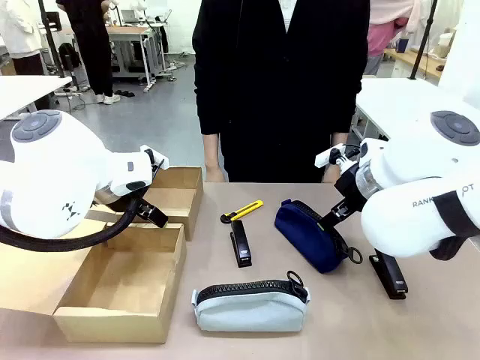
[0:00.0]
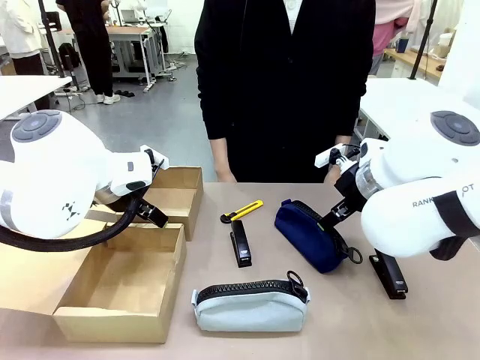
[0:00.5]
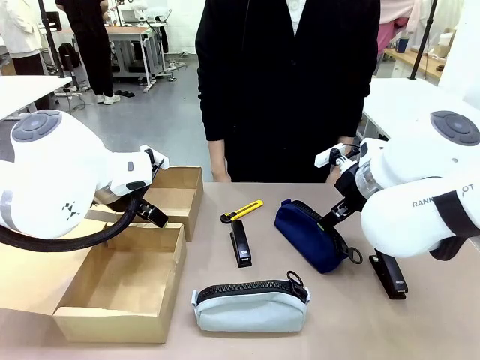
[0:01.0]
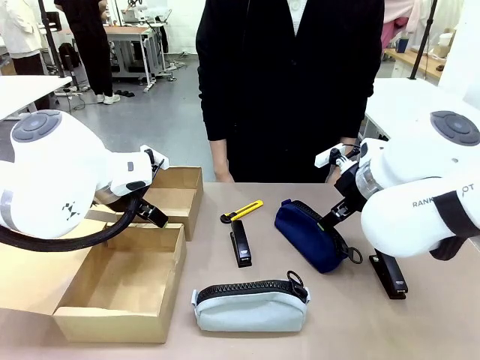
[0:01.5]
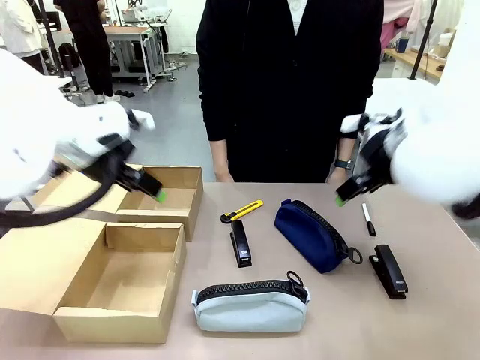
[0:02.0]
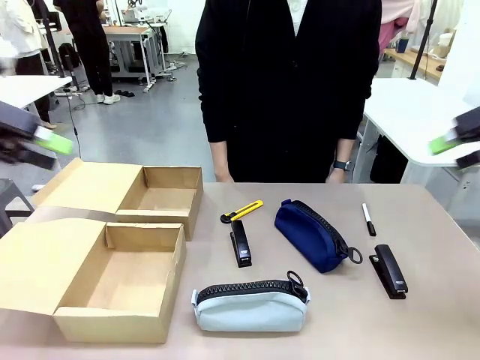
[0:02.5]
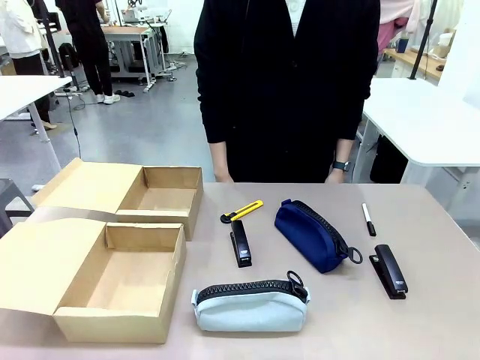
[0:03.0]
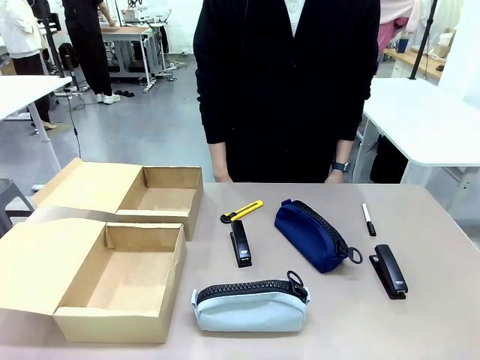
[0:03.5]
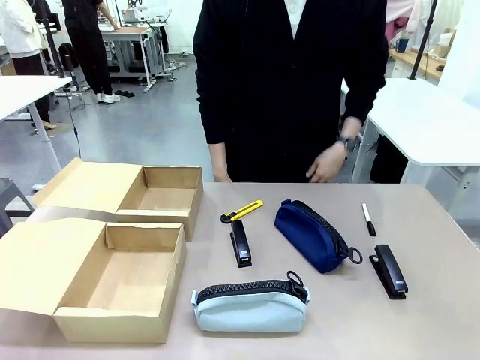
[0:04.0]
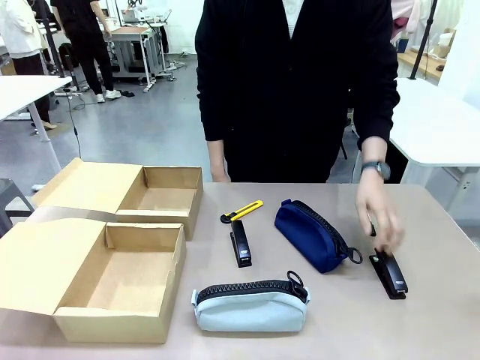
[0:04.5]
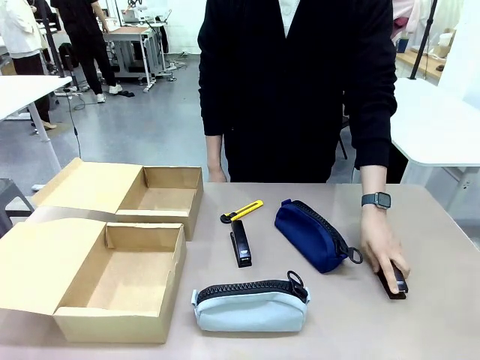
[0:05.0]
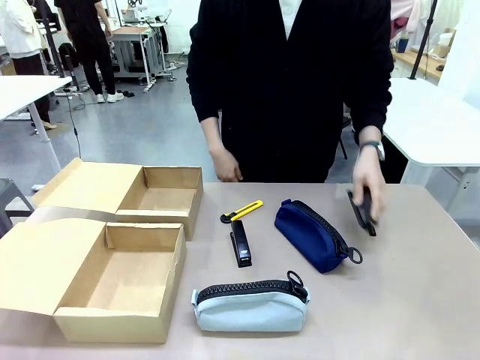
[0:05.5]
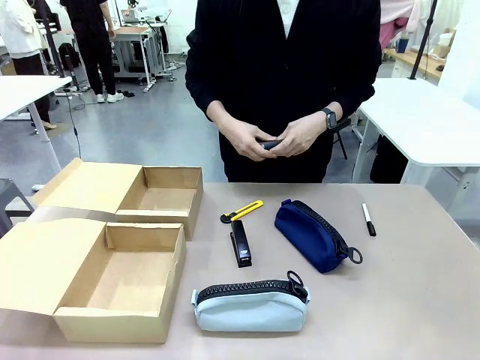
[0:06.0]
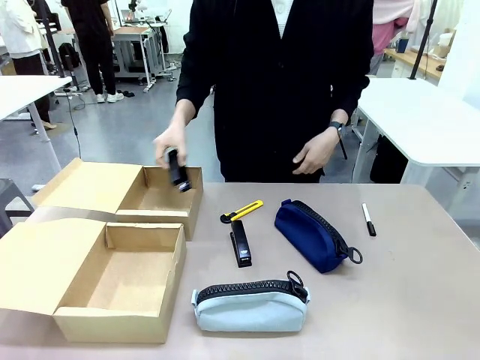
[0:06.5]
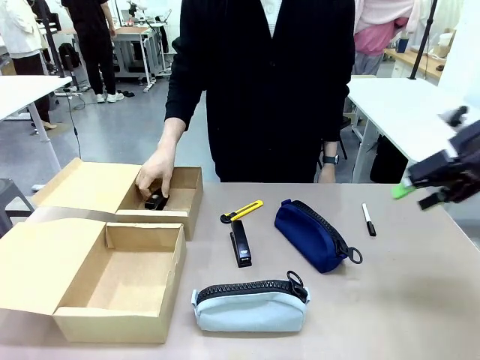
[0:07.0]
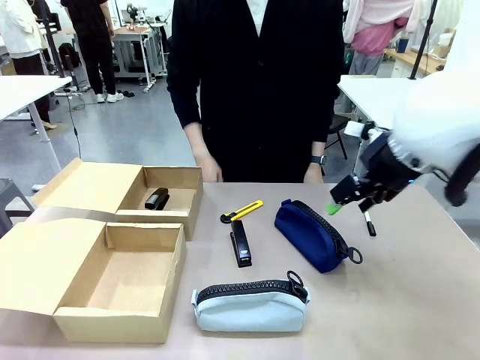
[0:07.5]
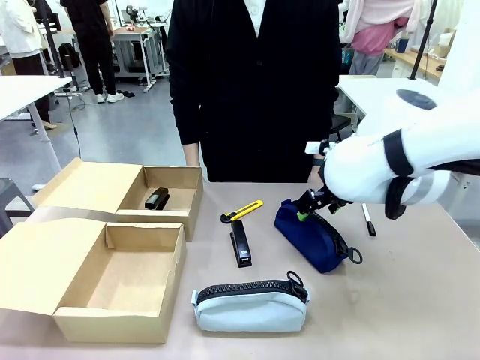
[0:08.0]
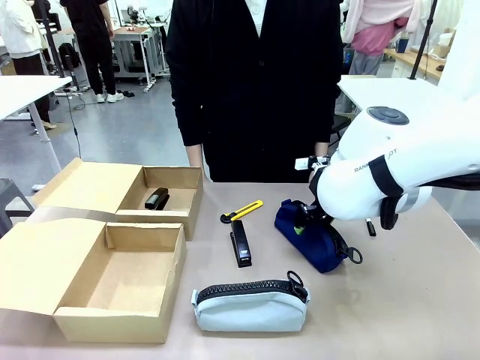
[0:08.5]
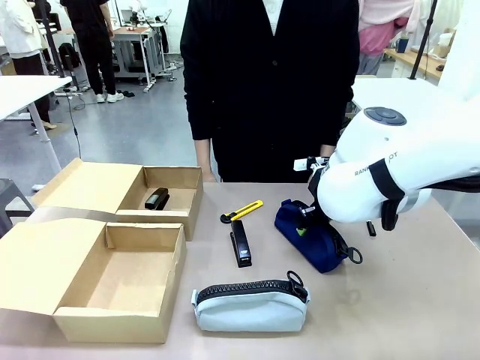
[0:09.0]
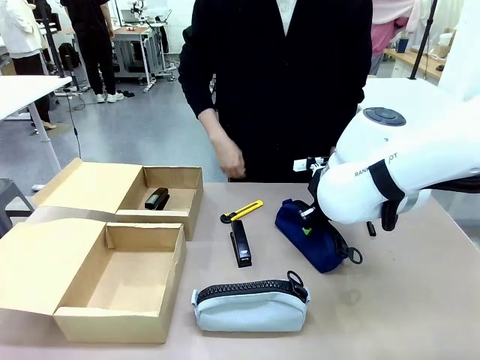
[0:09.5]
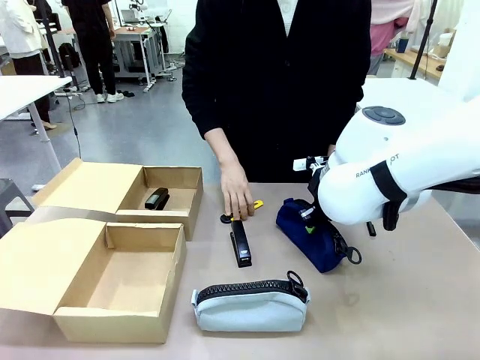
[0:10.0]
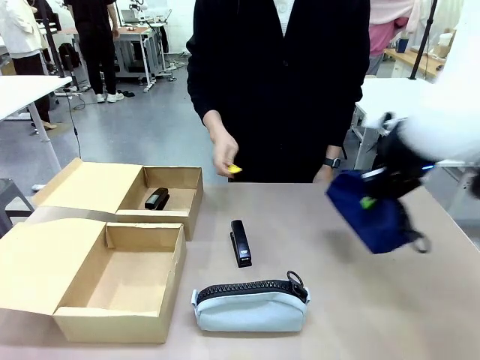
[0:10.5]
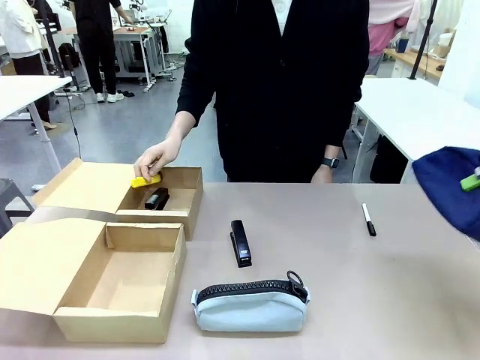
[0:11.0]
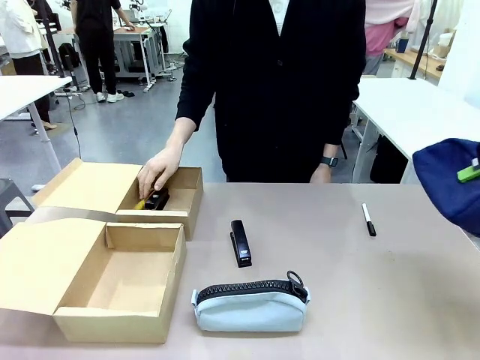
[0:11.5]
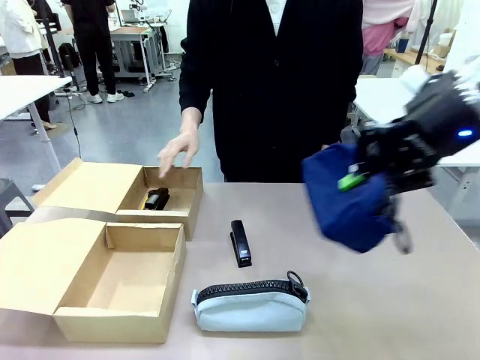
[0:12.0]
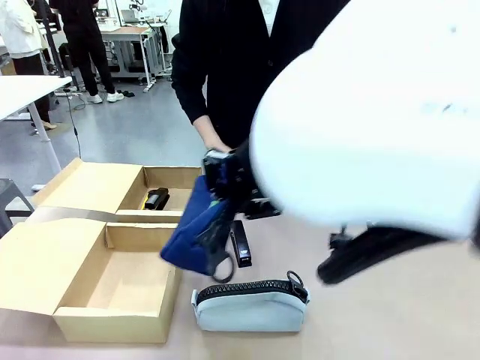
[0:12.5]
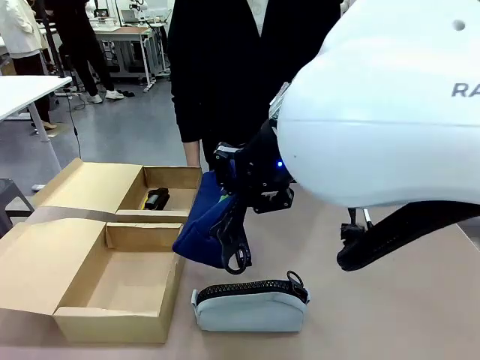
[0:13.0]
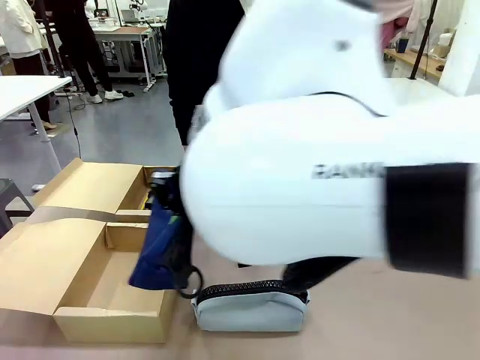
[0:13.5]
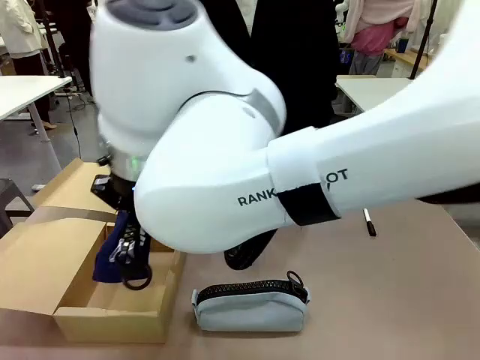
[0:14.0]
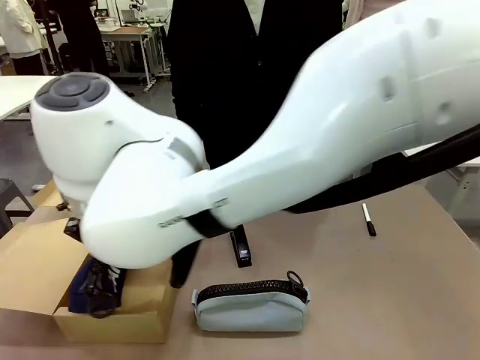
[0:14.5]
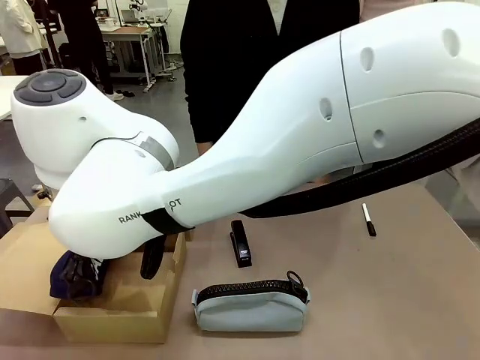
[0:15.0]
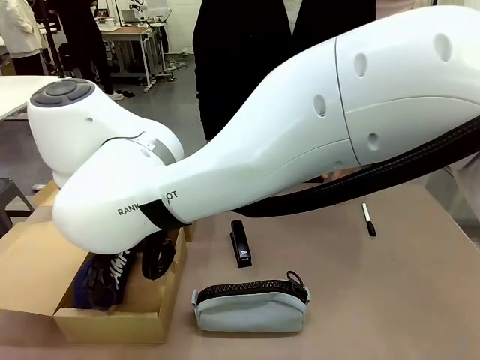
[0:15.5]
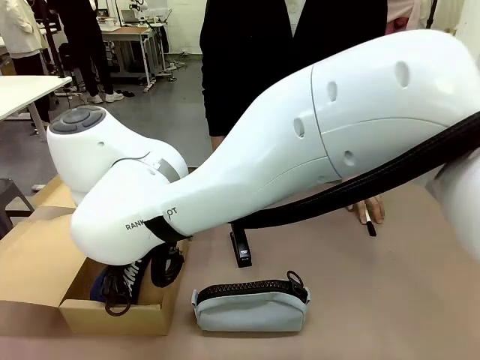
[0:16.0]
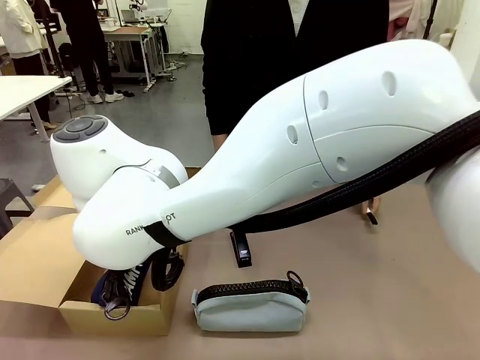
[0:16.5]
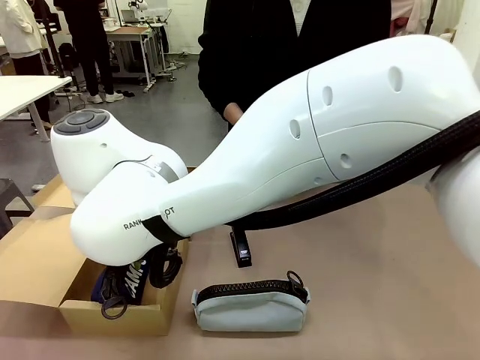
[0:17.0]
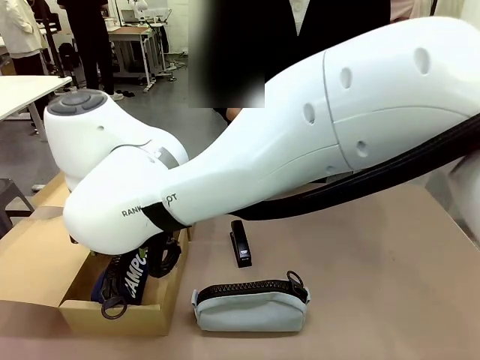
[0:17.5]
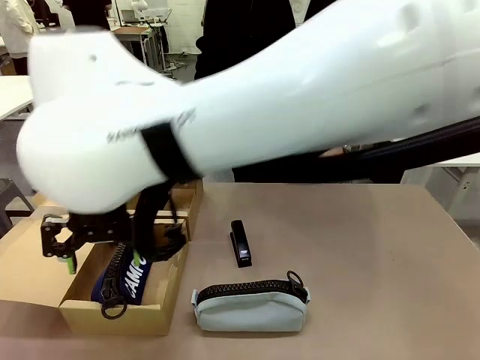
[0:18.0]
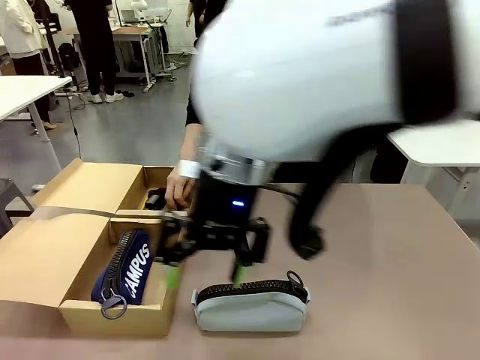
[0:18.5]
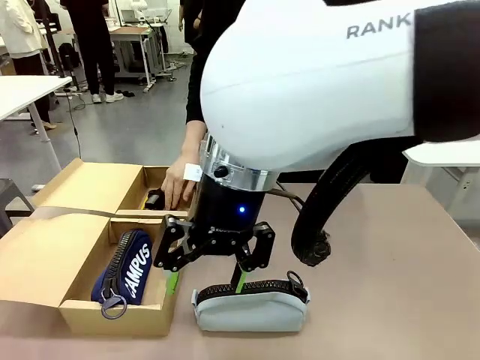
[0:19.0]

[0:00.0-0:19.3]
Task: Place items inside the box.
Robot: Pick up a Pencil pouch or Stapler and place it inside the Mailer Box closest to the robot.
Person: Pick up an object on the table and put it in the box.

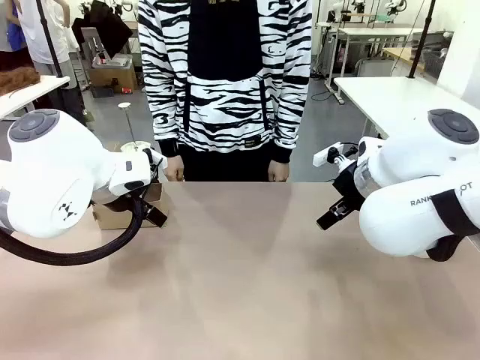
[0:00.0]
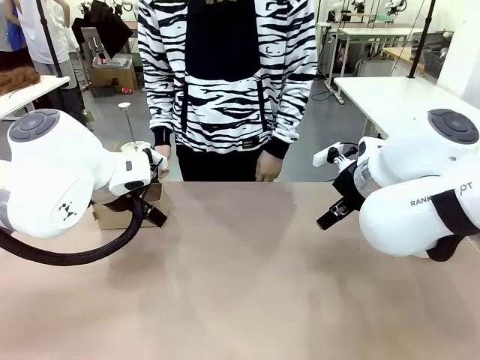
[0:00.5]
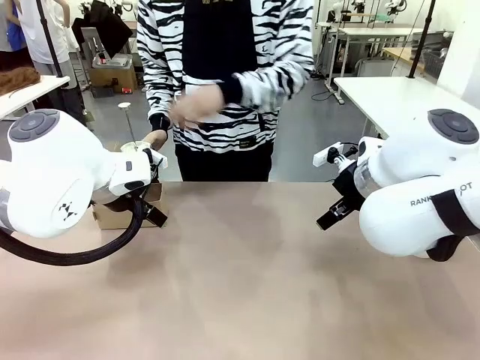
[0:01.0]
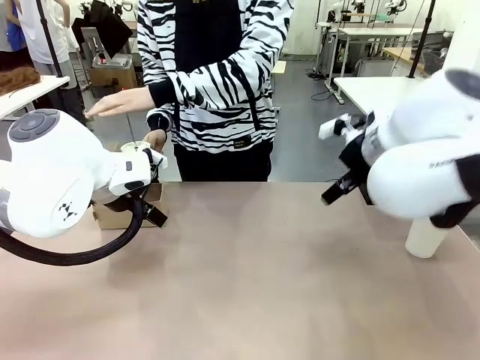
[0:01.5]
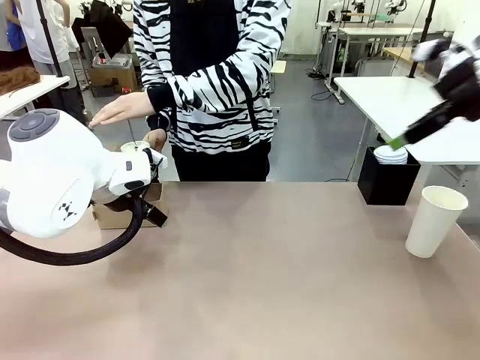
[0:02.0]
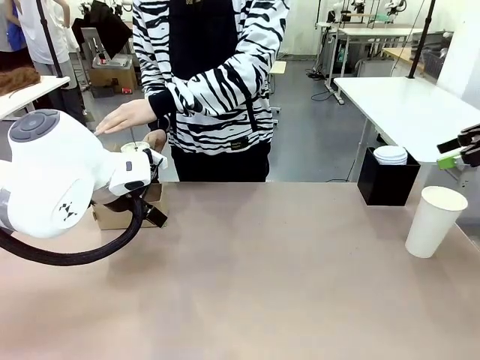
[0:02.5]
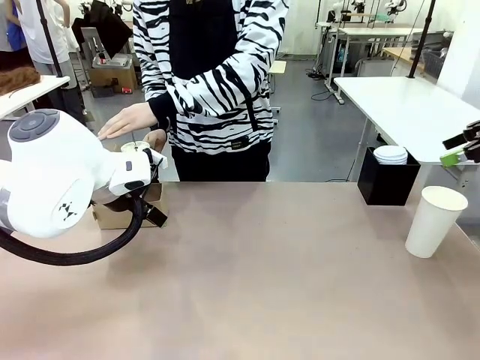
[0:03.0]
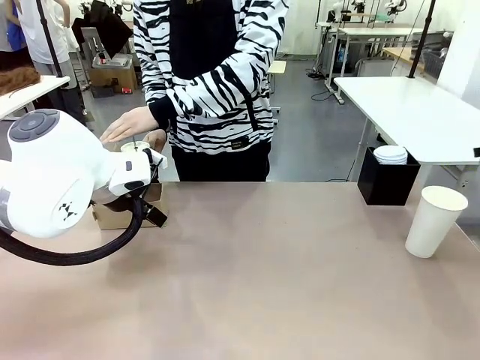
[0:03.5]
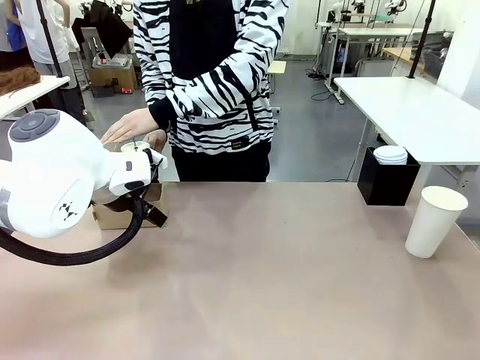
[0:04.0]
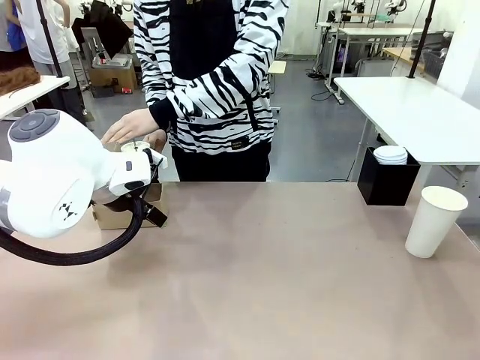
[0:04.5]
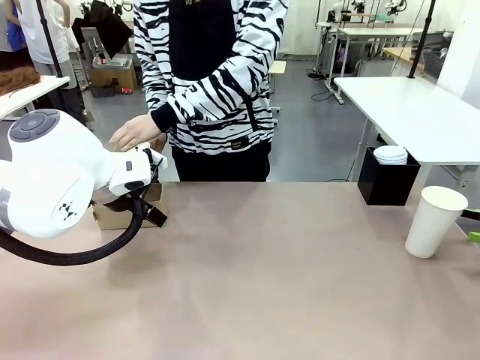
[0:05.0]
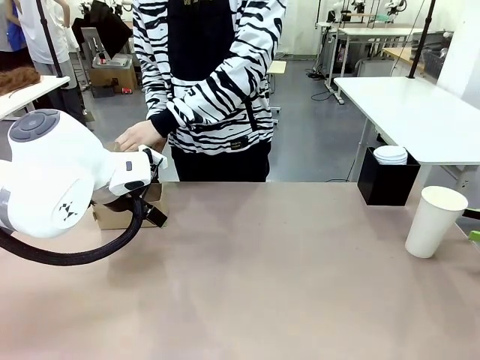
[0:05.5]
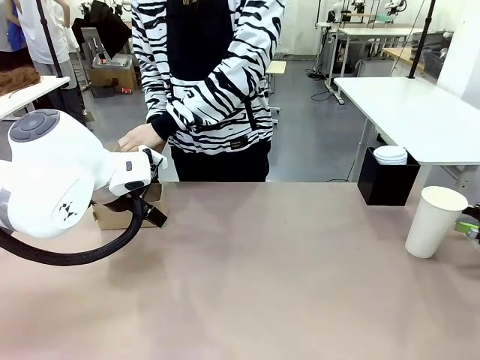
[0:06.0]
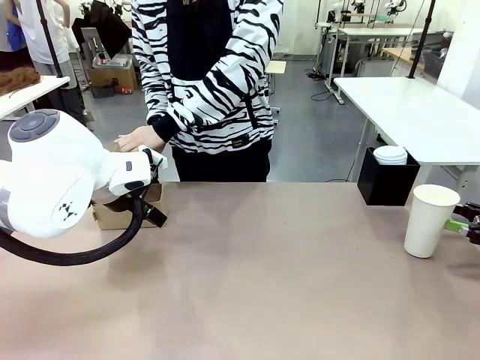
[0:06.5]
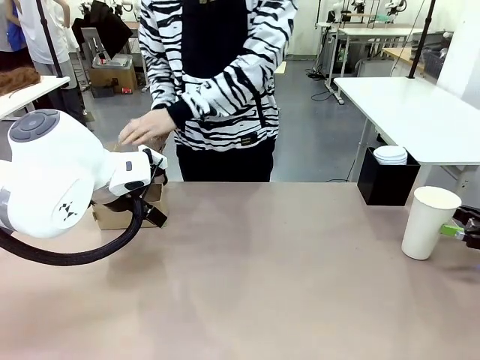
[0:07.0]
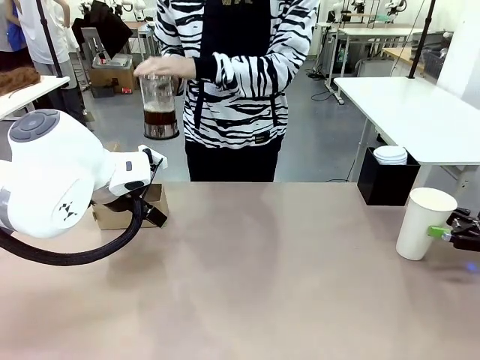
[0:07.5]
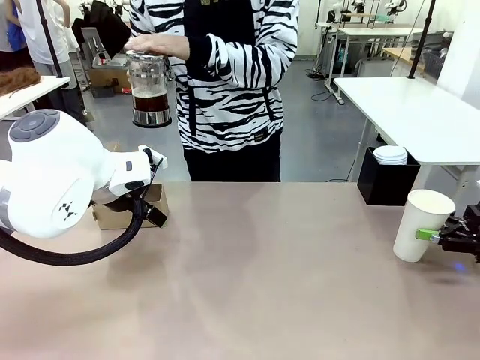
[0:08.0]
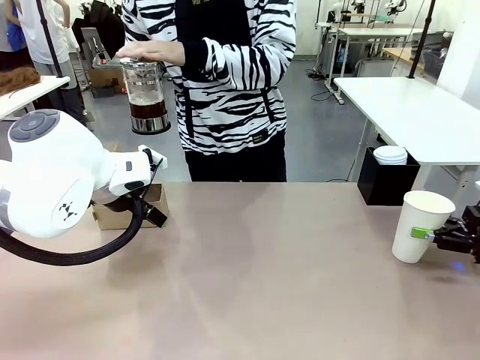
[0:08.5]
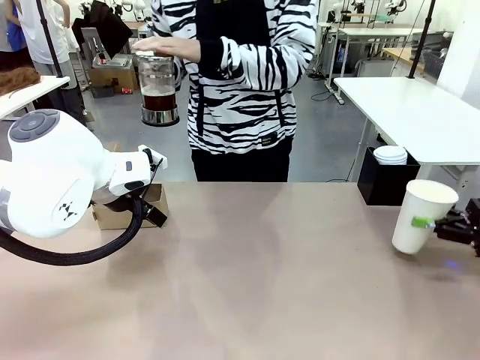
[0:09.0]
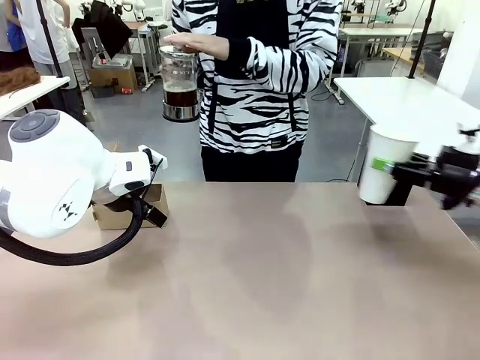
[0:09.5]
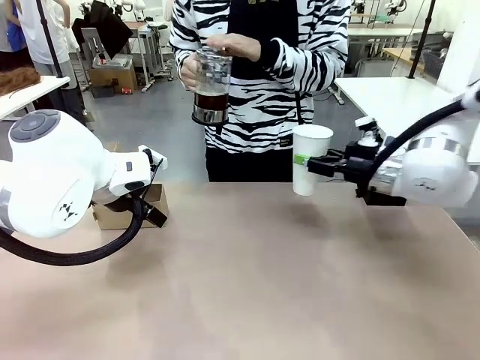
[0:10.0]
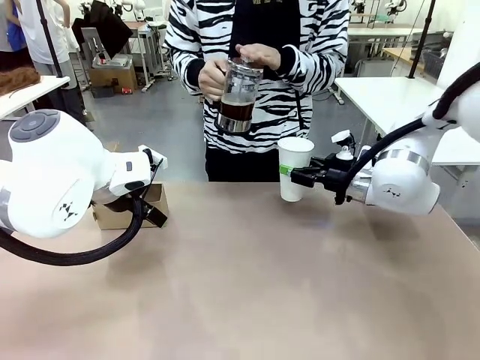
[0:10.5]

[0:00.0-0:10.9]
Task: Pour a drink into a cup and package it in a carrier.
Robot: Pick up the 600 ml Paper Cup and place it in the middle top area of the table.
Person: Press and pick up the Filter Brewing.
